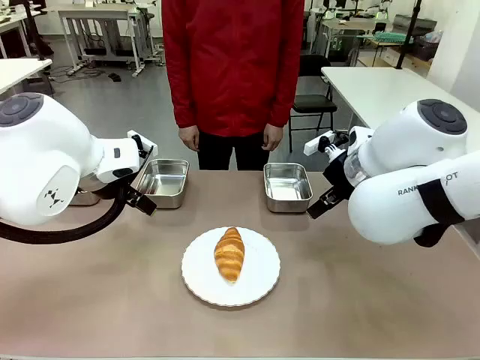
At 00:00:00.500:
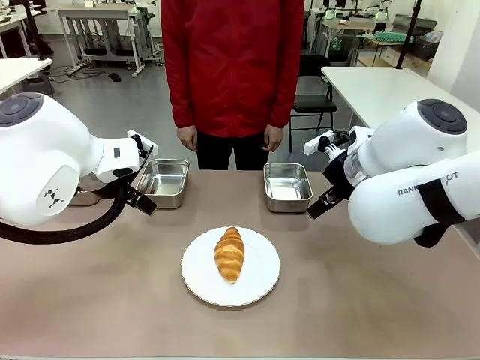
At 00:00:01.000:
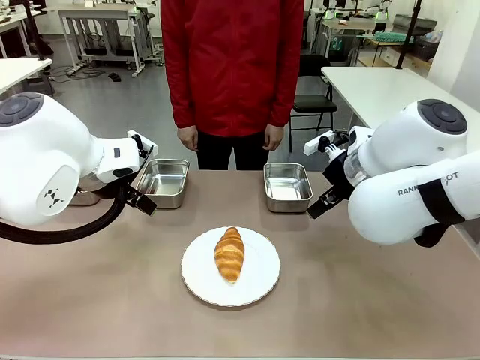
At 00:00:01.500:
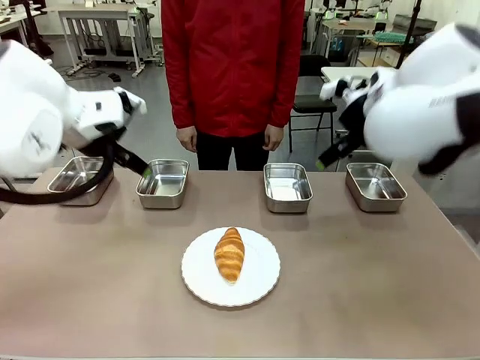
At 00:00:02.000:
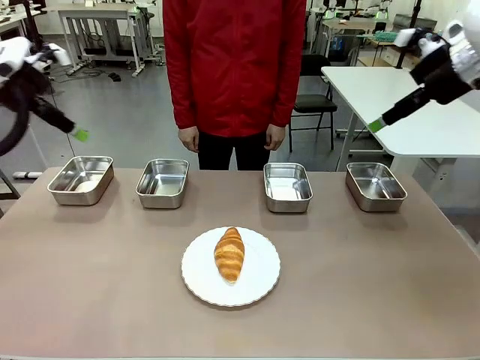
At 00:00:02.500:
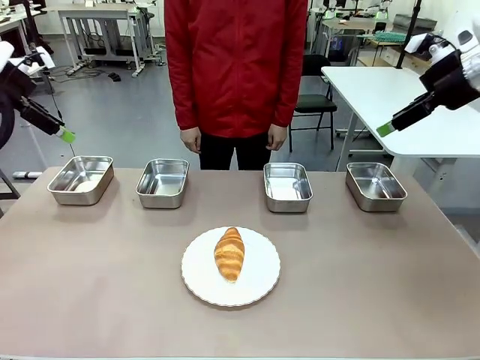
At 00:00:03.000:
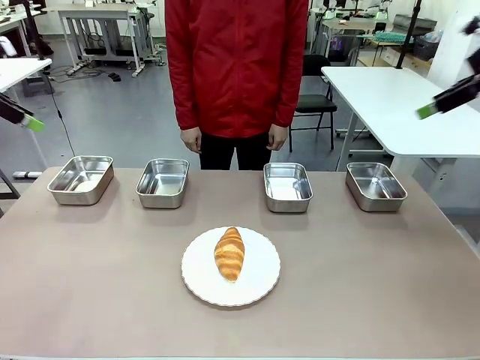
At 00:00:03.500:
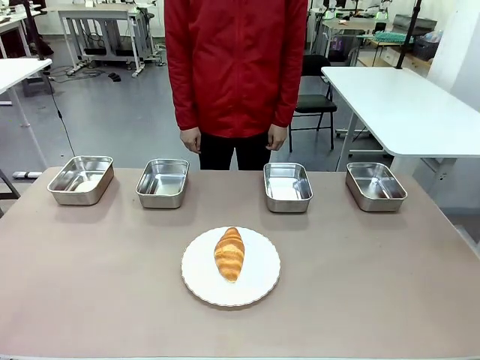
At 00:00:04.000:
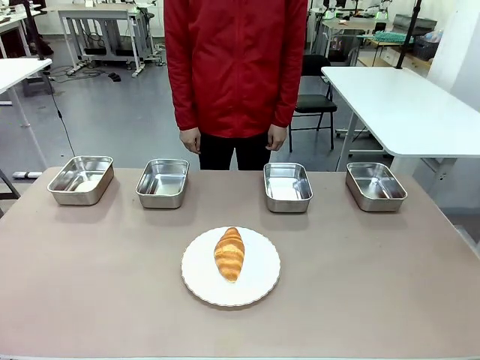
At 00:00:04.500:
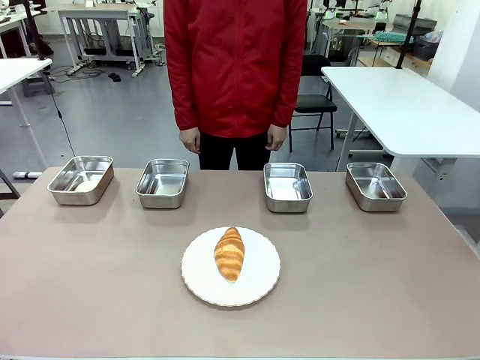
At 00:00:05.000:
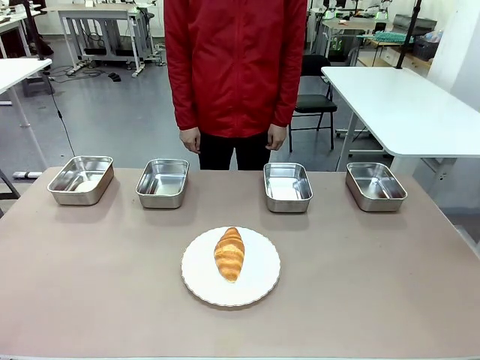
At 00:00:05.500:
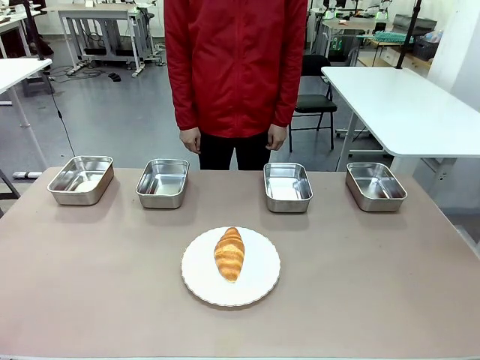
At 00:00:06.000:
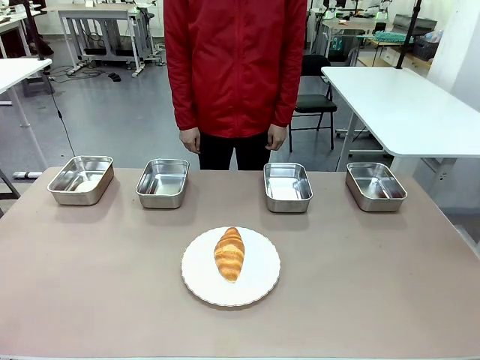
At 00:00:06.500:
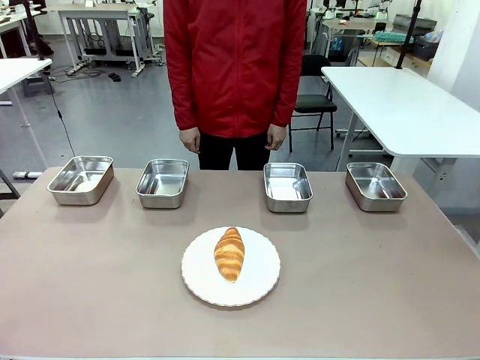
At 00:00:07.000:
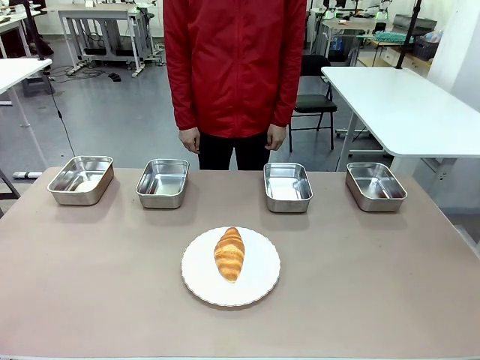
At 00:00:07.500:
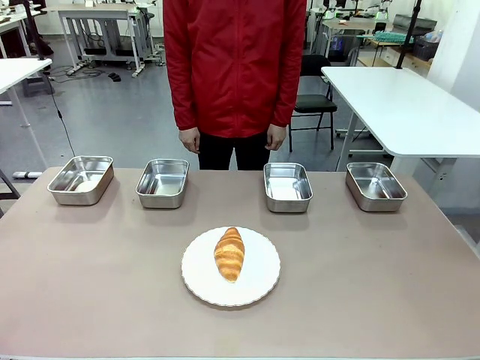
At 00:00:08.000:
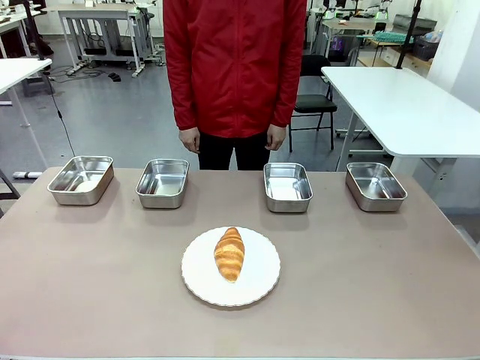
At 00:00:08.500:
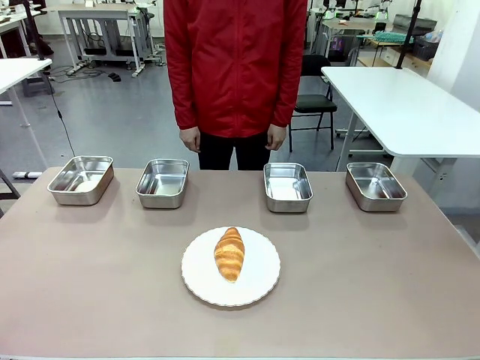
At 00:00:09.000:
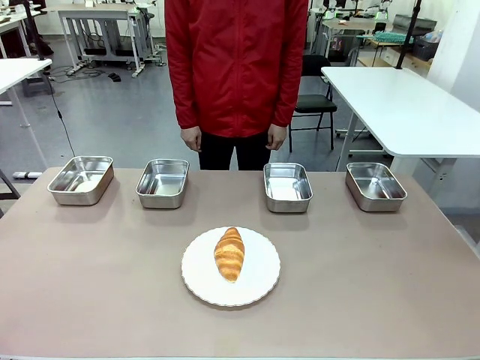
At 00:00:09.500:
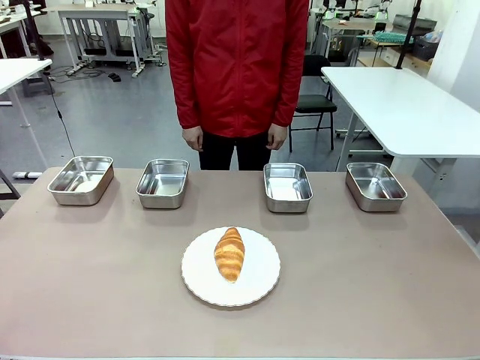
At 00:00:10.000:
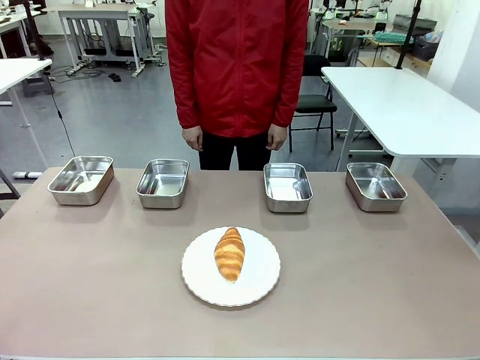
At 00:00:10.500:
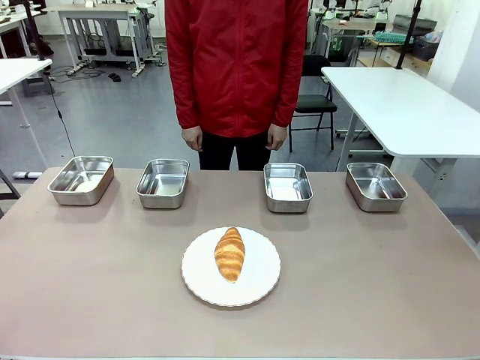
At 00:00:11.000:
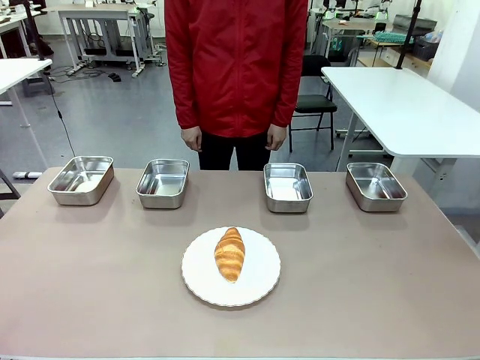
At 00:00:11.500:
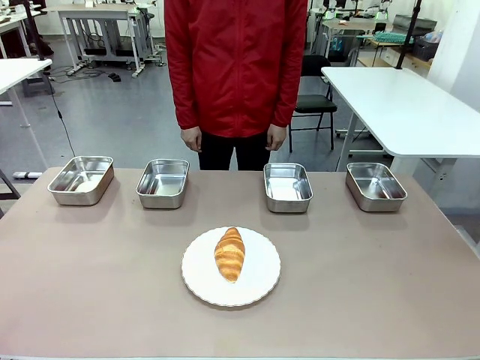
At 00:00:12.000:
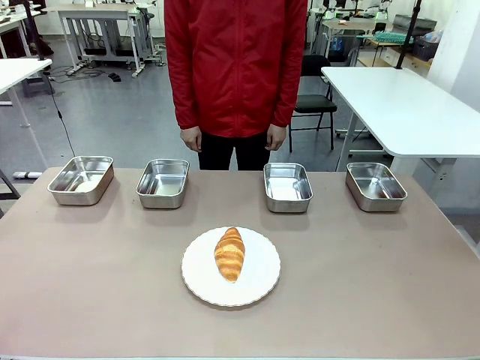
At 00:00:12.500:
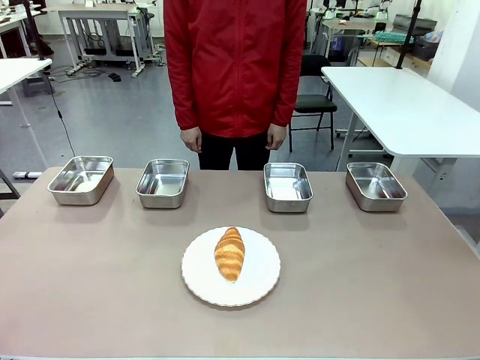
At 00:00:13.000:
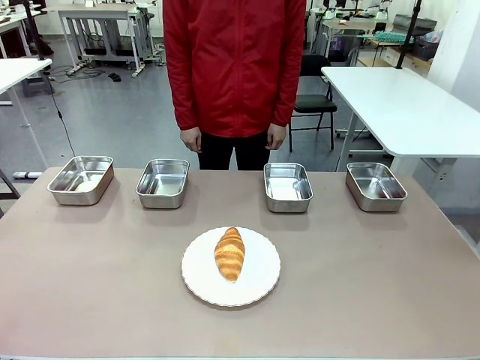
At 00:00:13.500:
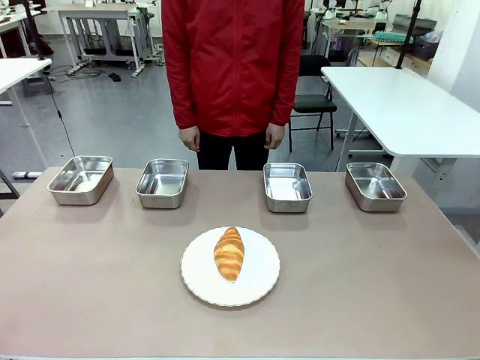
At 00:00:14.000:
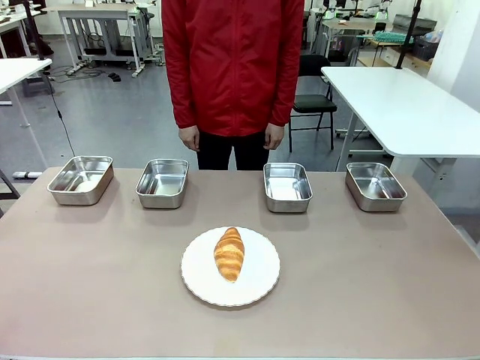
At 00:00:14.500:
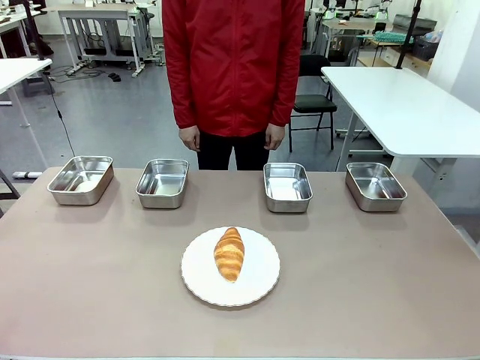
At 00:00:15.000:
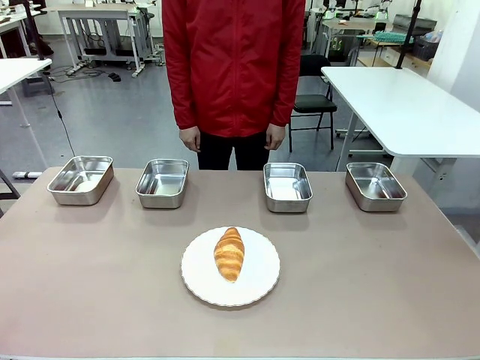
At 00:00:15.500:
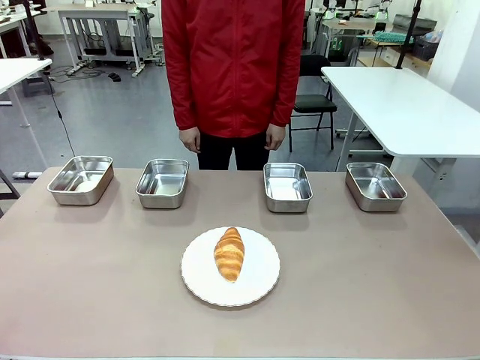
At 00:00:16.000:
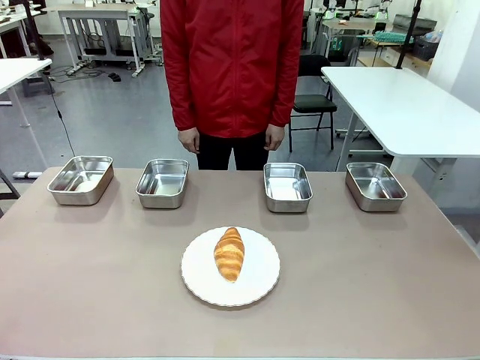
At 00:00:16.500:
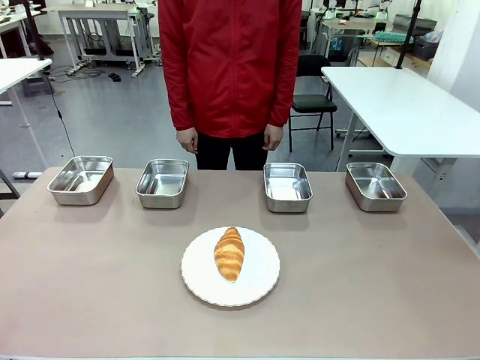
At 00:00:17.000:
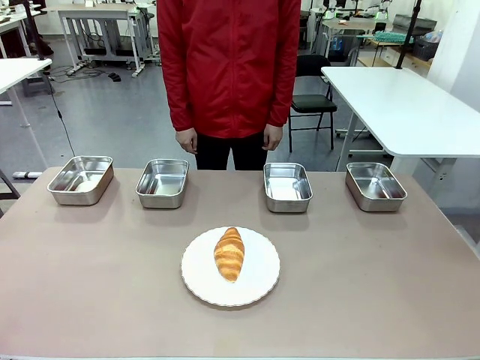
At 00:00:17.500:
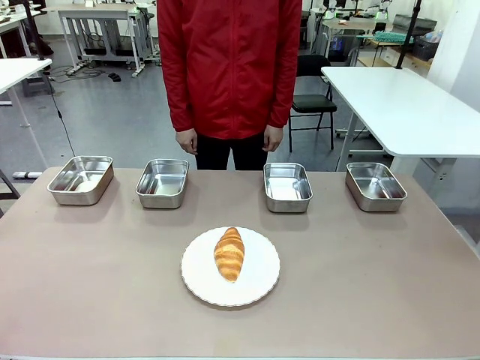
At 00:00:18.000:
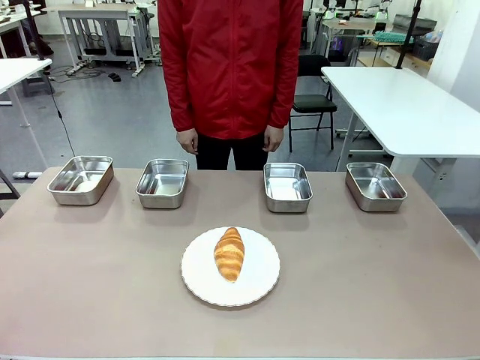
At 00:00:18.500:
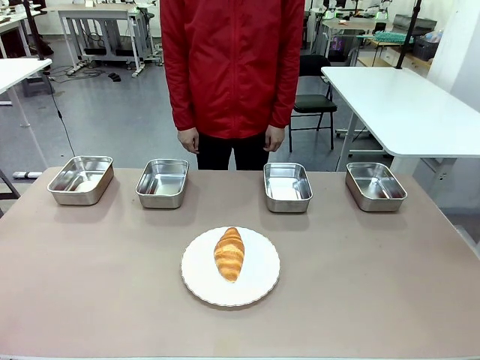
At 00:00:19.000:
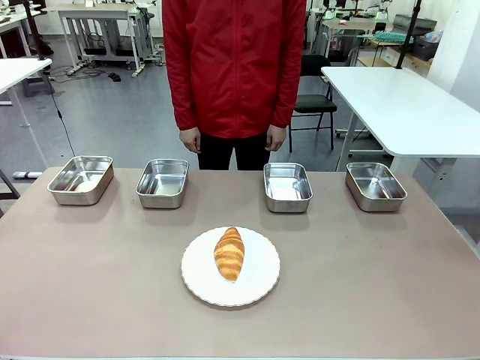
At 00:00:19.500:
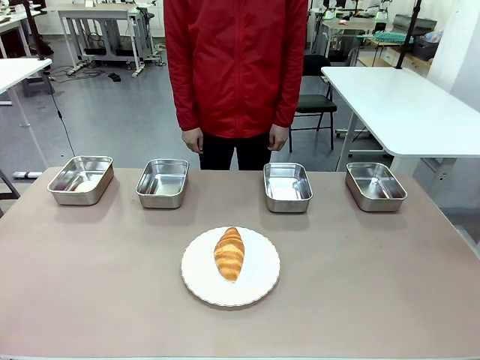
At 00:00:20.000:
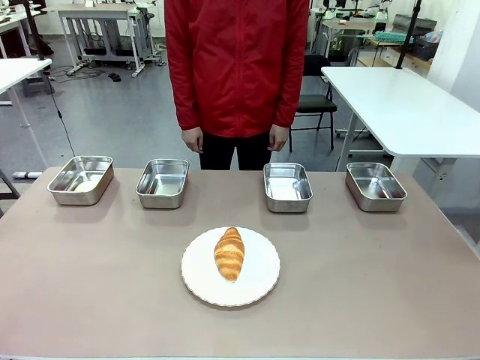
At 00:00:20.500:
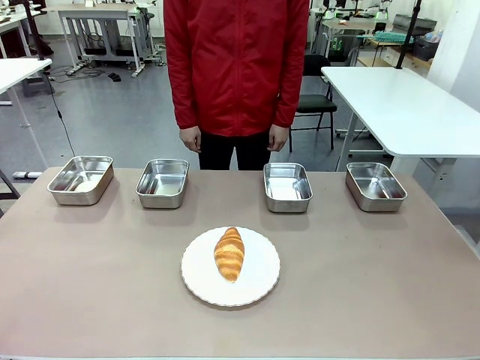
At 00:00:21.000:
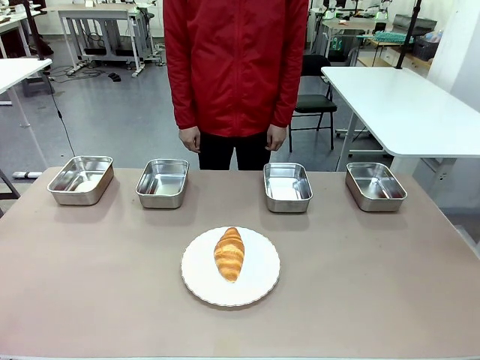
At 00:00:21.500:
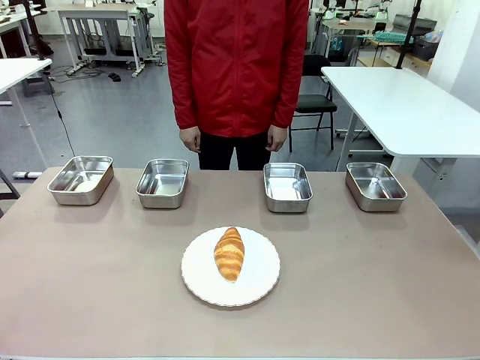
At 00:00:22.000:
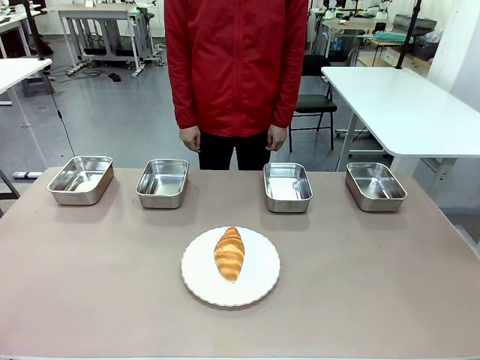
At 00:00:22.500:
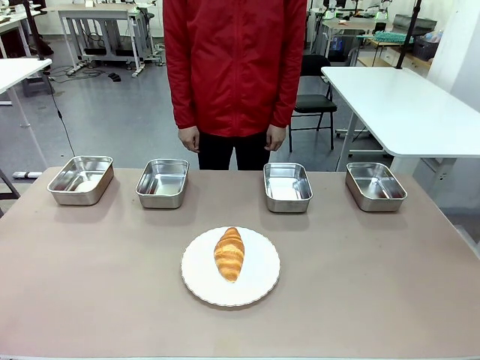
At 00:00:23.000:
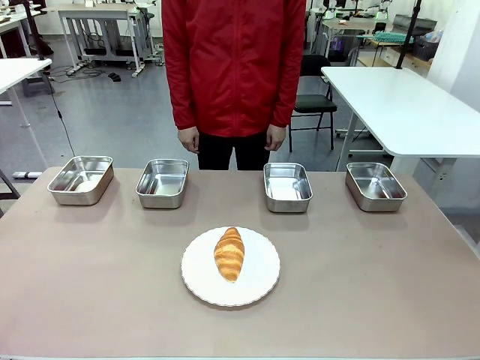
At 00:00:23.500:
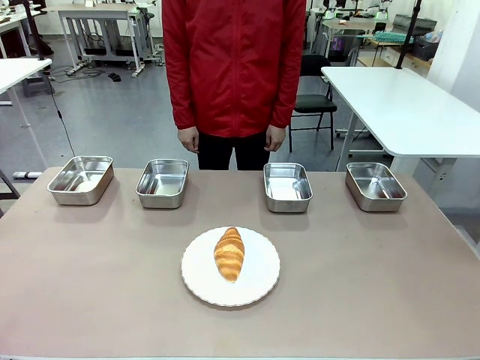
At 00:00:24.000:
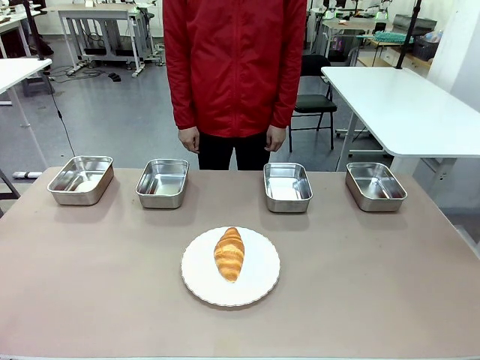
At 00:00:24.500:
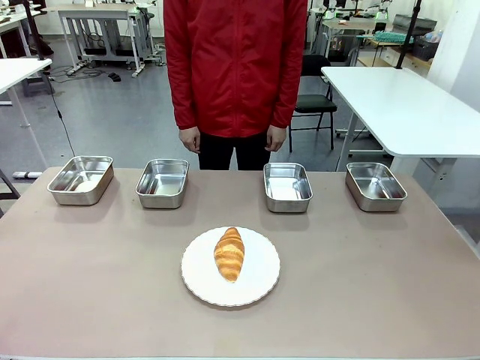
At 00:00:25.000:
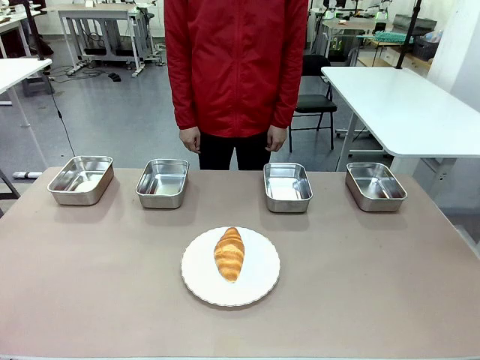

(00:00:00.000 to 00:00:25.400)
Task: Place the bread in the container.
Robot: Place the Butter Roll into the Airtight Container indicated by the human.
